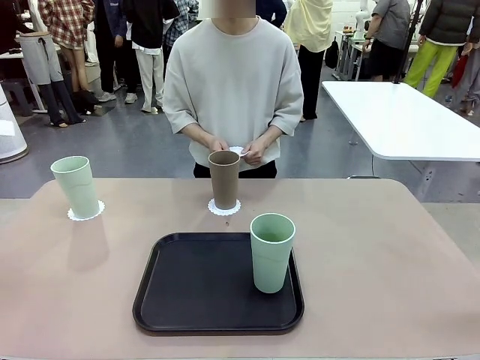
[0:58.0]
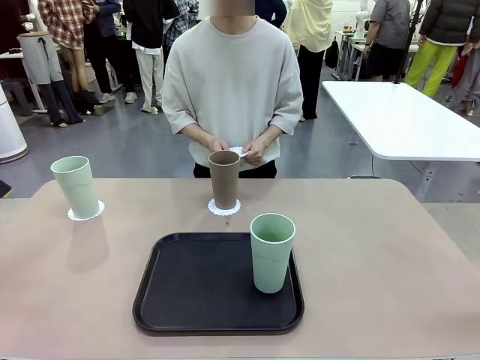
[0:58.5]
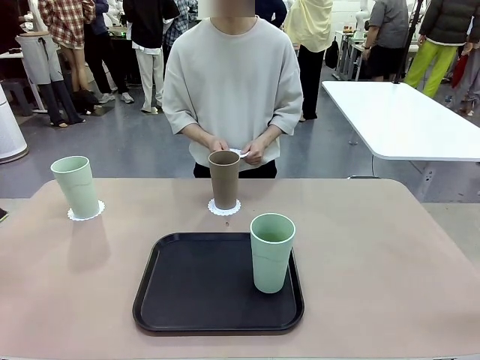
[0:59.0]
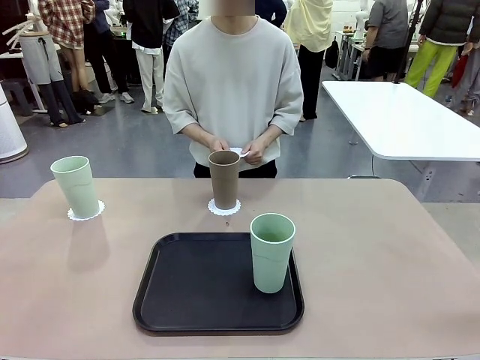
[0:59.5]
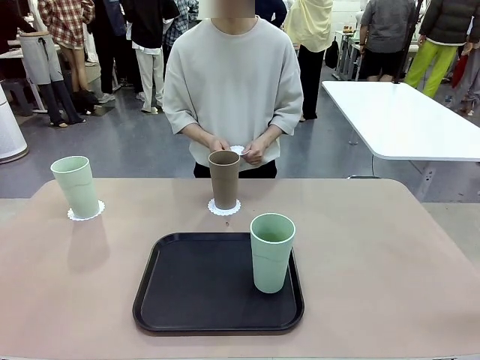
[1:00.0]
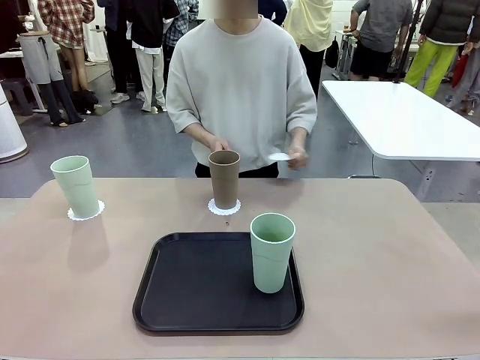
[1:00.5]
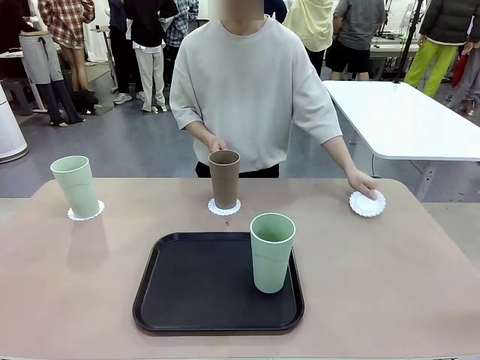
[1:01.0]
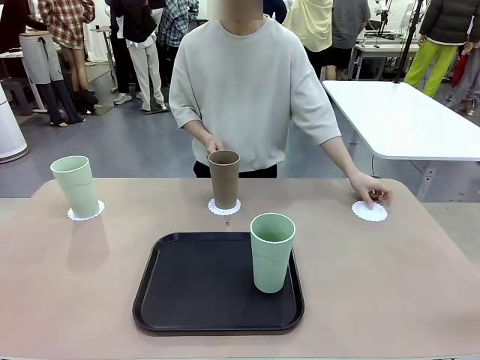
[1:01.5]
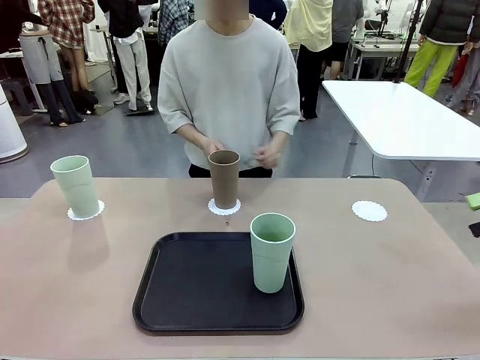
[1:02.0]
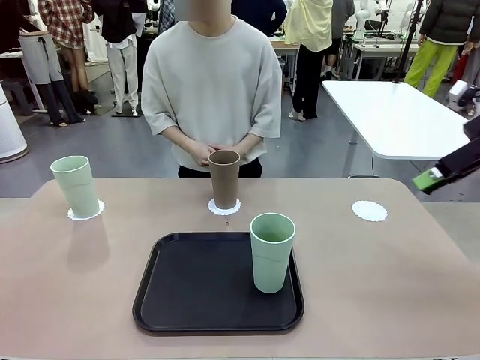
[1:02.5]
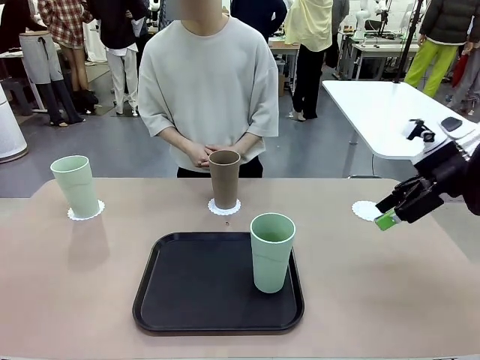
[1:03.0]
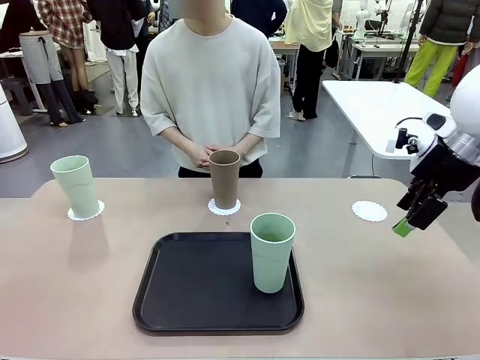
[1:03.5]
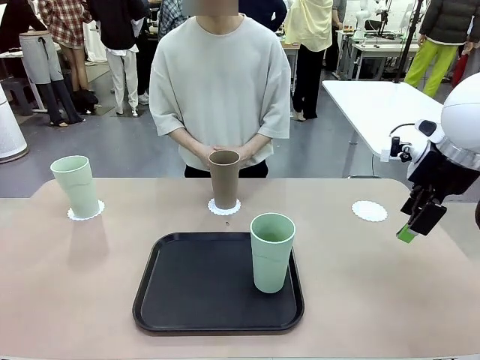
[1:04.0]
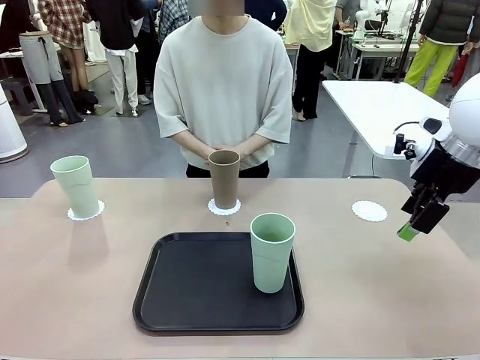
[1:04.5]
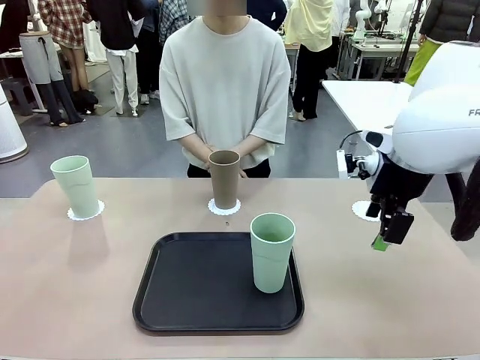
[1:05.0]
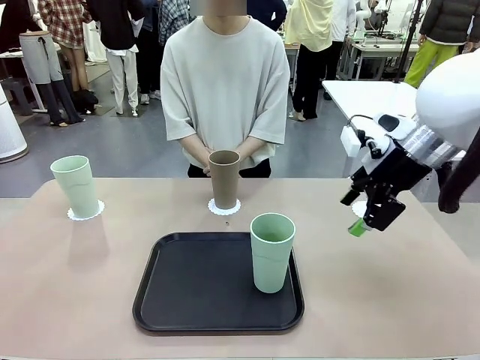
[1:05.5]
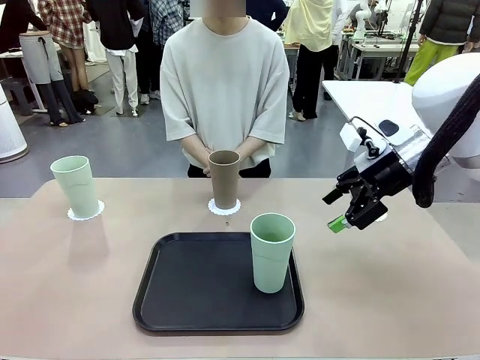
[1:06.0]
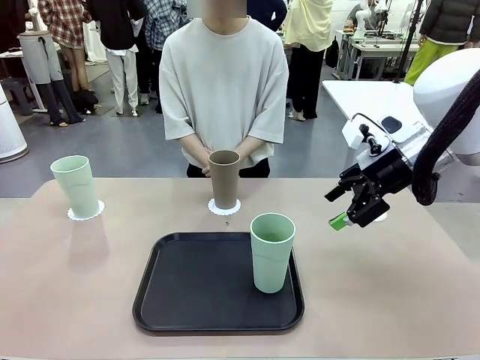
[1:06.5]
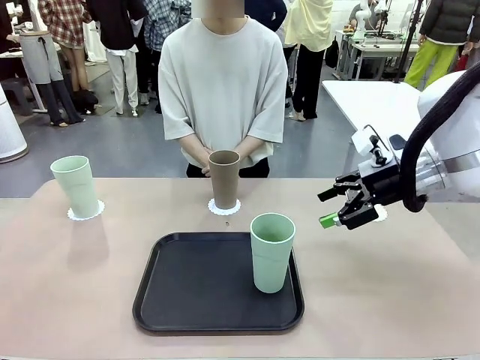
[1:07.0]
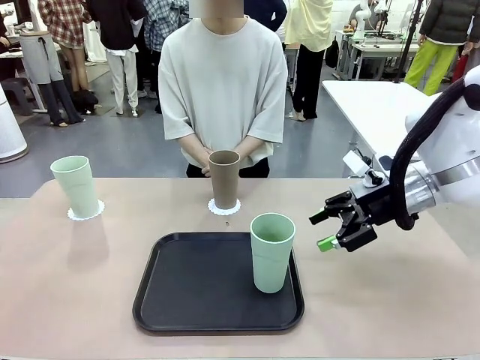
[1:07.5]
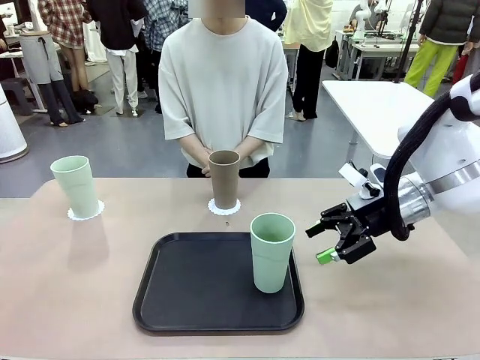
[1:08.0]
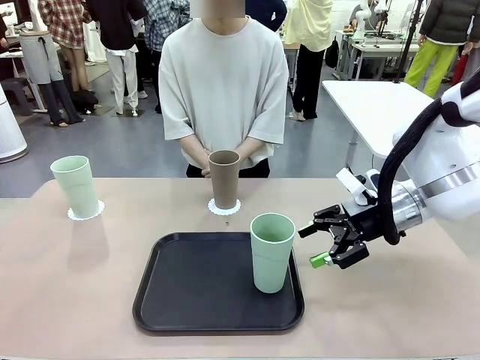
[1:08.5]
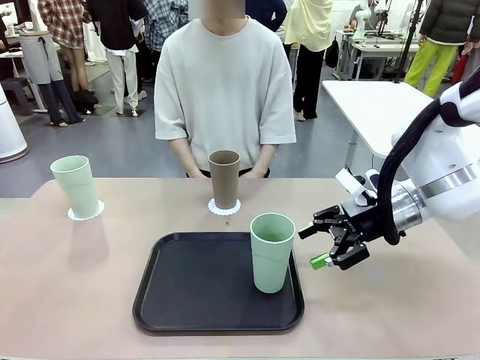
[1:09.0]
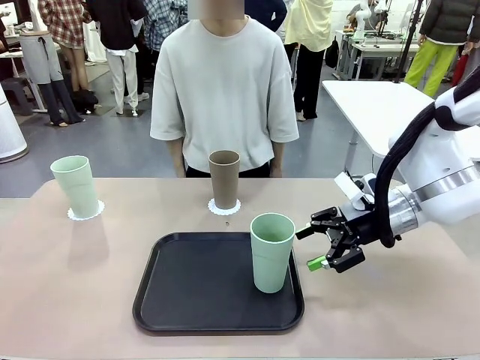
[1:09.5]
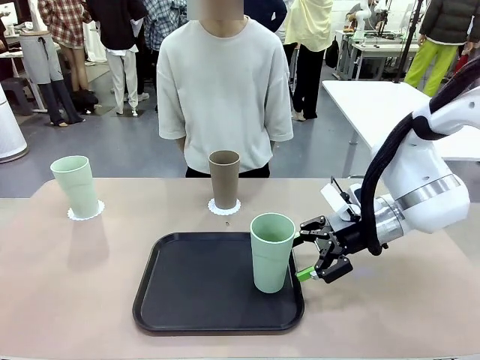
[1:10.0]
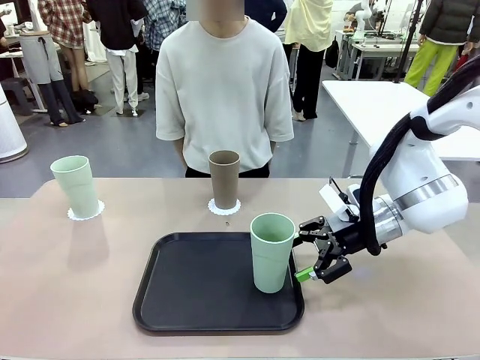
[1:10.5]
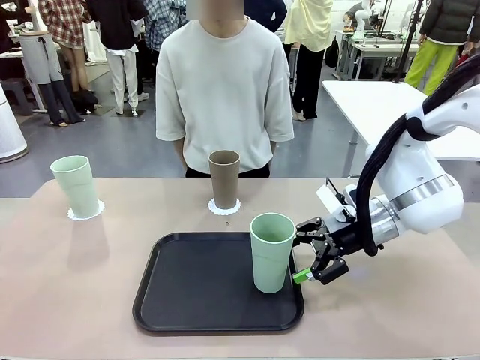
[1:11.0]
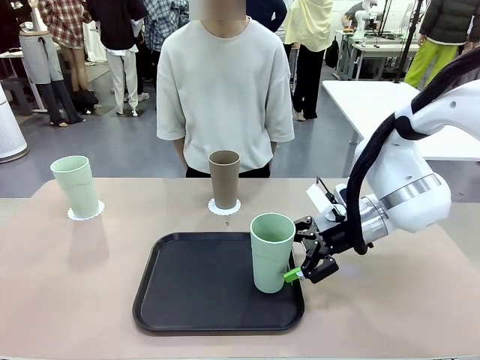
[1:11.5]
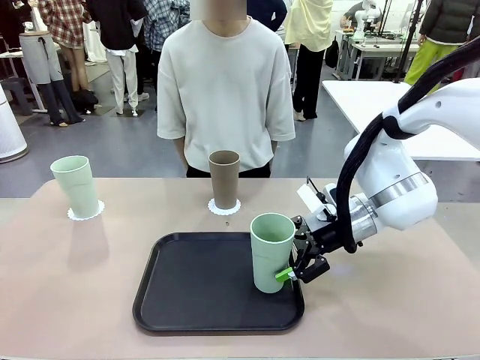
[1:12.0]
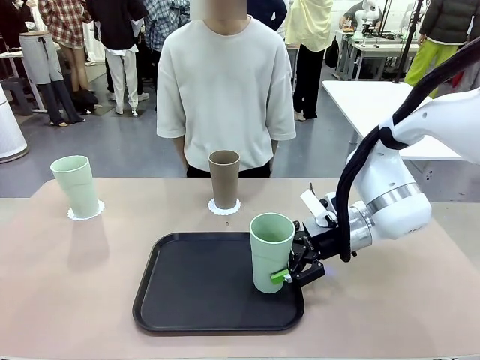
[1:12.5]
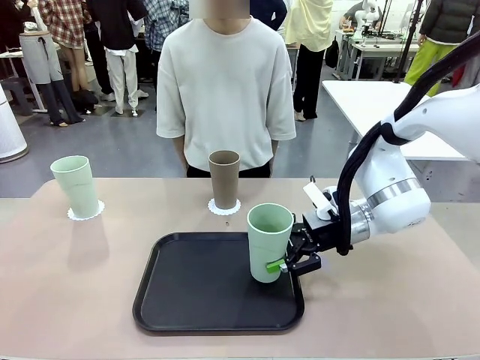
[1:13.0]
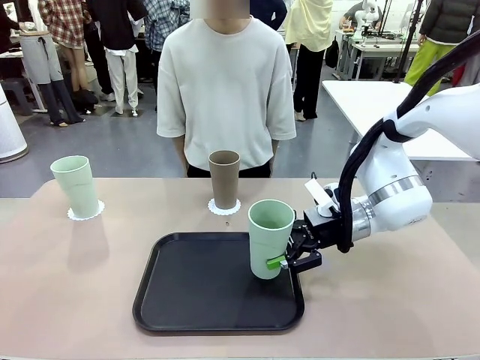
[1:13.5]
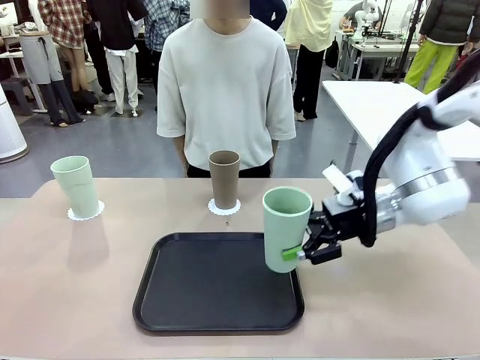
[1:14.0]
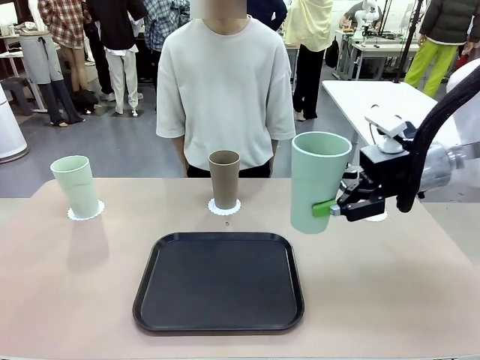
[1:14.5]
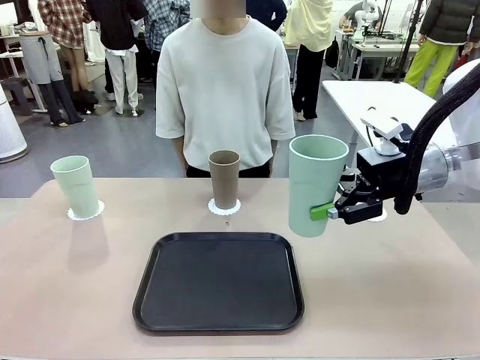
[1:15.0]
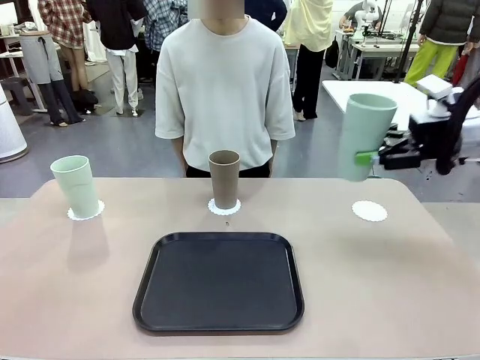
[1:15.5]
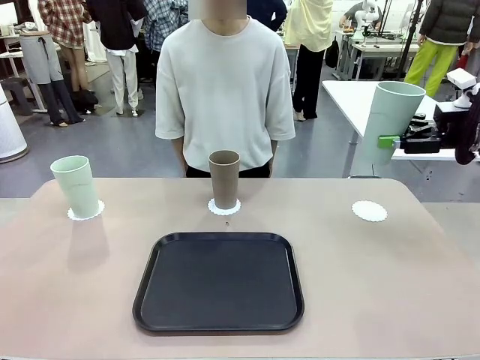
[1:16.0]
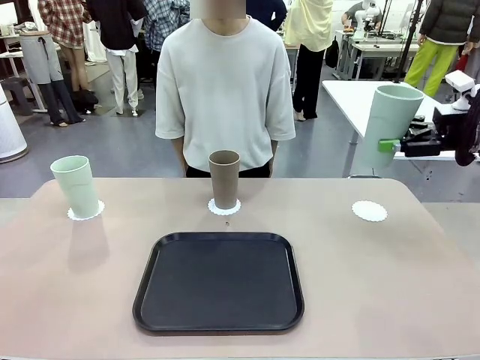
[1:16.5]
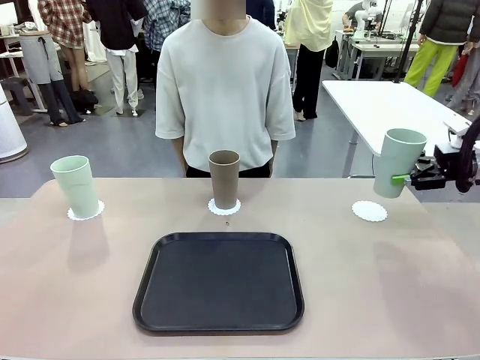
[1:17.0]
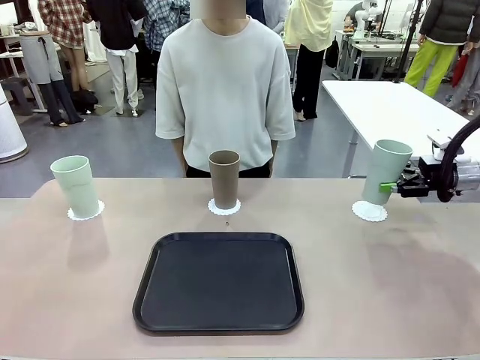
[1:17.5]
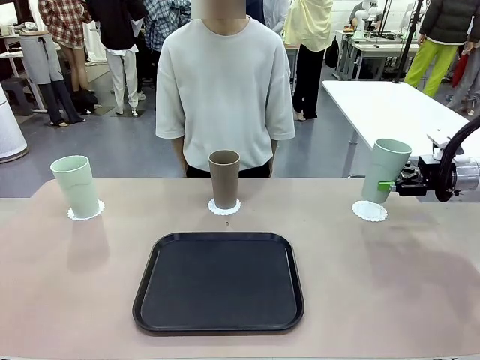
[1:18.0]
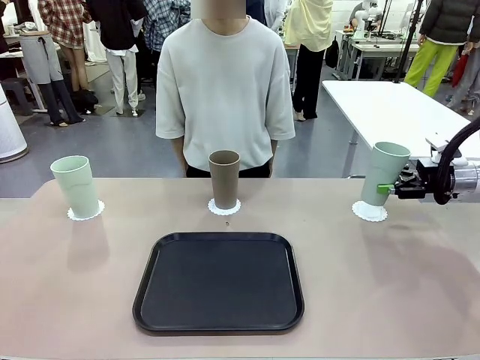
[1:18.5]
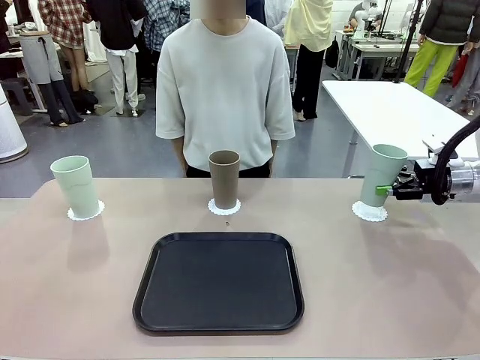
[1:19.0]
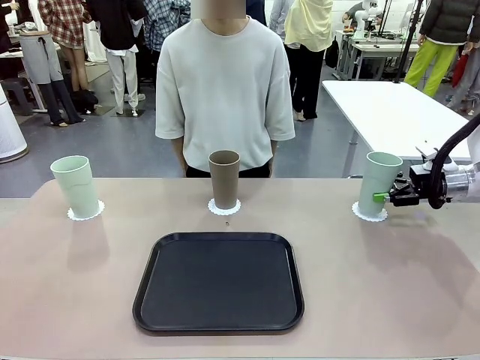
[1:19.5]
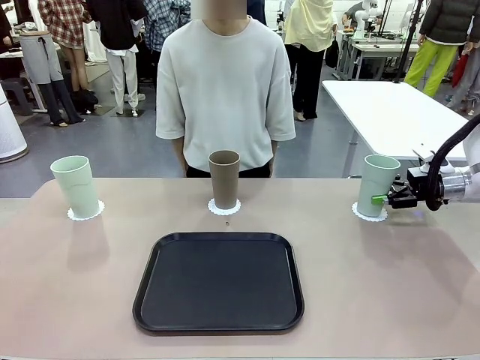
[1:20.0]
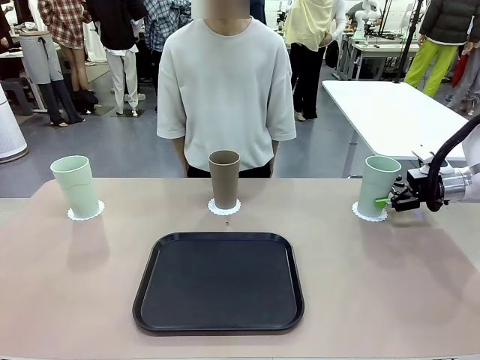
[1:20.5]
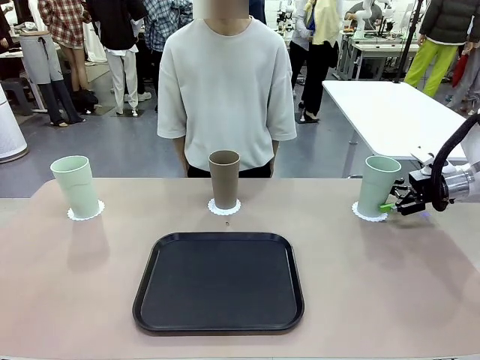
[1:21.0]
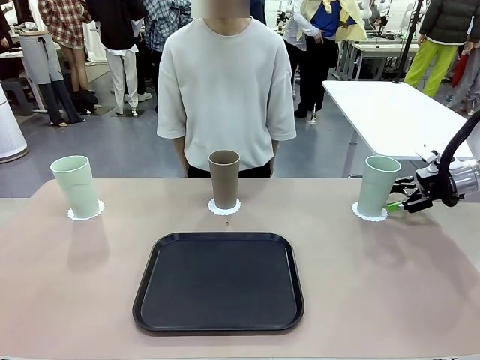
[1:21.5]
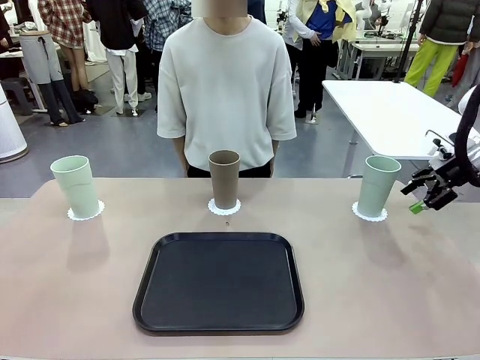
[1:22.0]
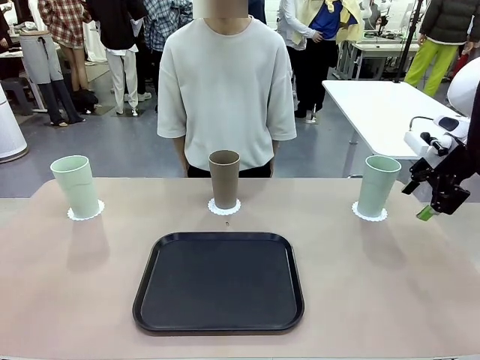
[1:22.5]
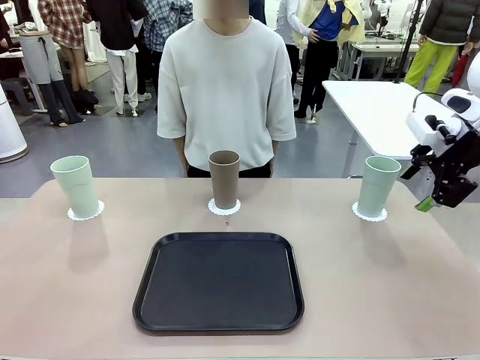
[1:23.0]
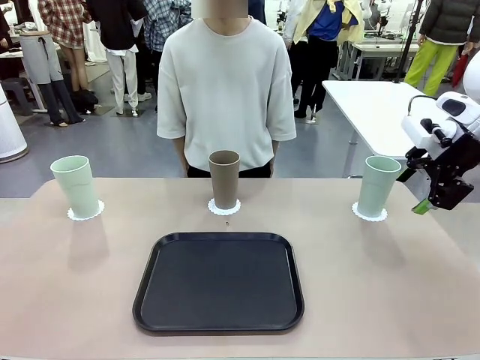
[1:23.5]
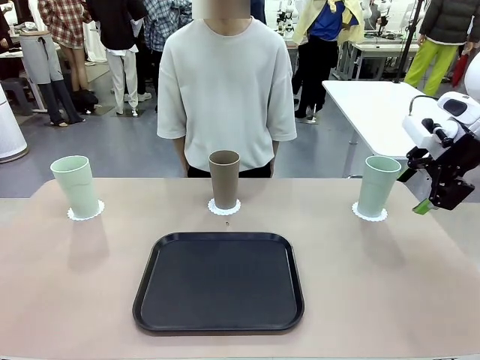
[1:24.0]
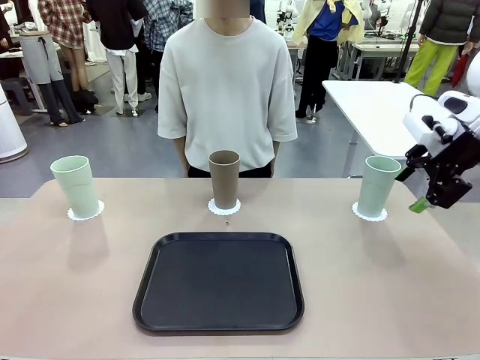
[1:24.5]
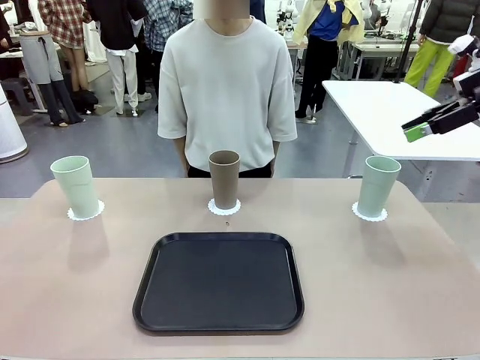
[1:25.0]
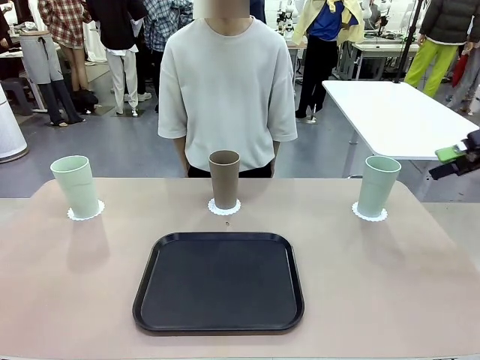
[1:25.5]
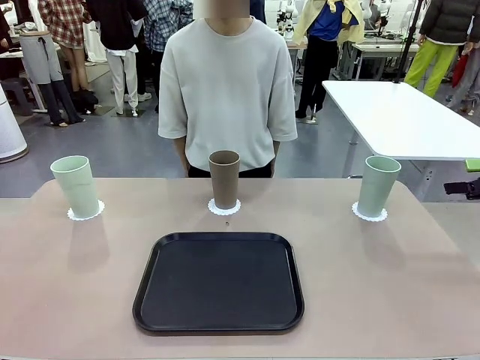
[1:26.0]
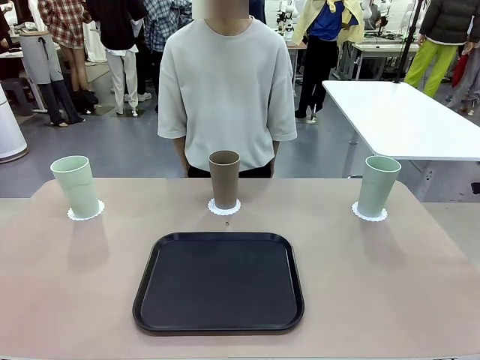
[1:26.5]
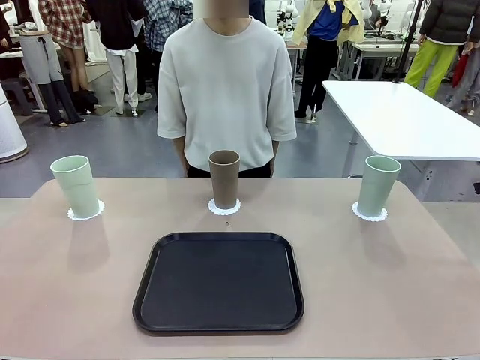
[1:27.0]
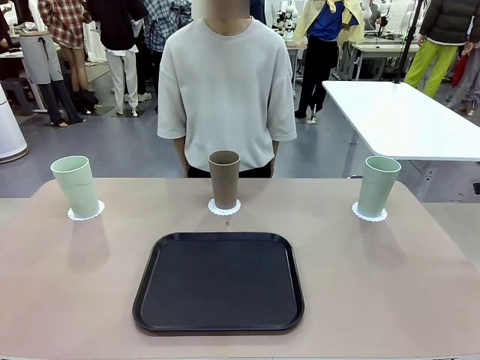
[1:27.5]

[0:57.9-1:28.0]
Task: Place coasters on the table and set cups on them.
Robot: Take one Reusable plastic cup from the Flat Tray and place it on a coaster set by the human.
Person: Place one coaster in the only remaining area.
